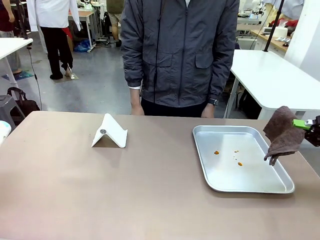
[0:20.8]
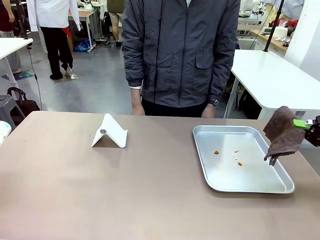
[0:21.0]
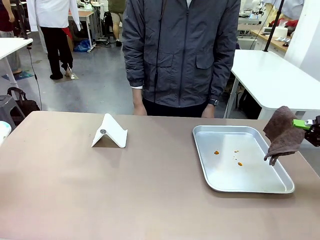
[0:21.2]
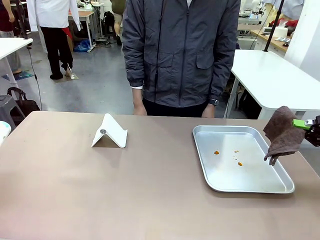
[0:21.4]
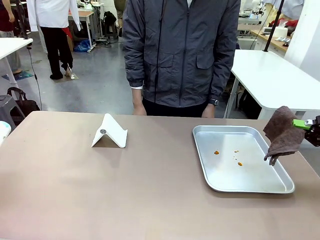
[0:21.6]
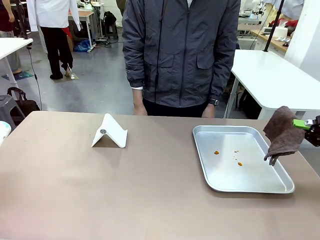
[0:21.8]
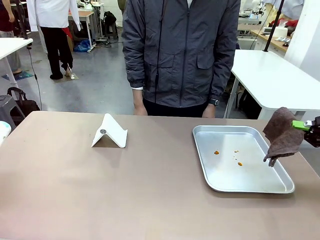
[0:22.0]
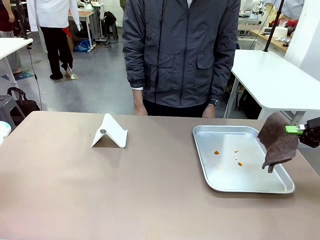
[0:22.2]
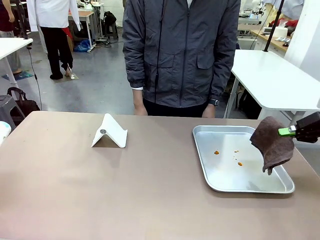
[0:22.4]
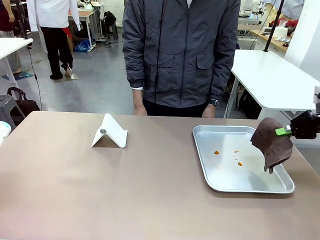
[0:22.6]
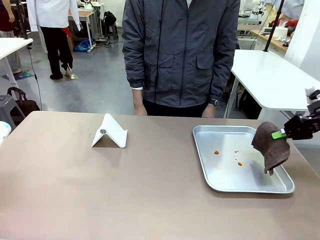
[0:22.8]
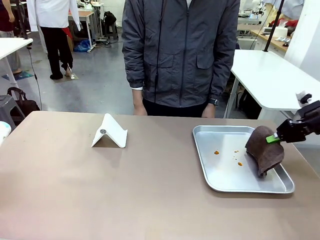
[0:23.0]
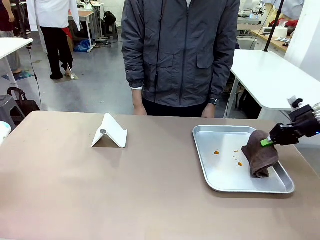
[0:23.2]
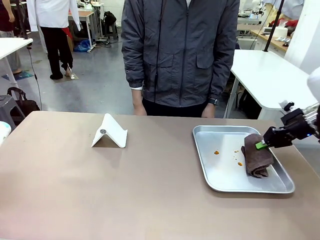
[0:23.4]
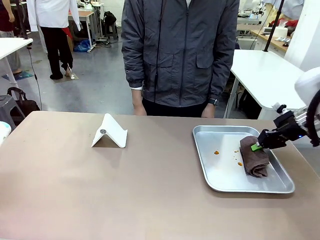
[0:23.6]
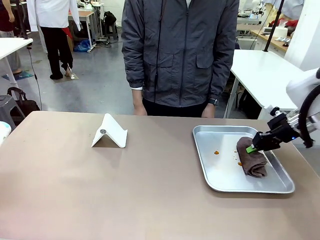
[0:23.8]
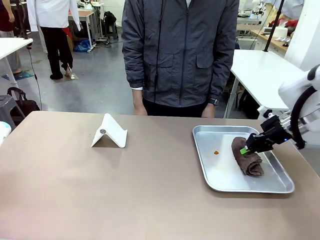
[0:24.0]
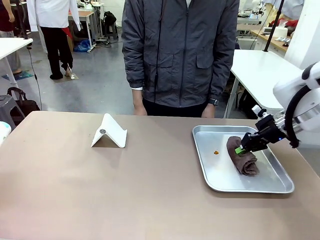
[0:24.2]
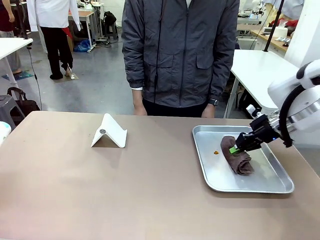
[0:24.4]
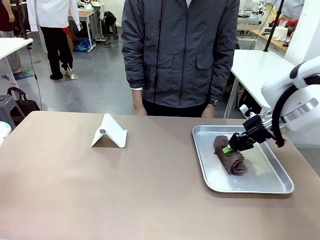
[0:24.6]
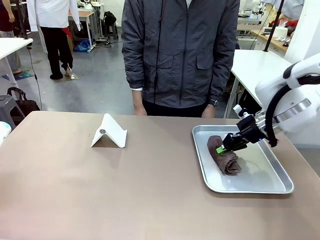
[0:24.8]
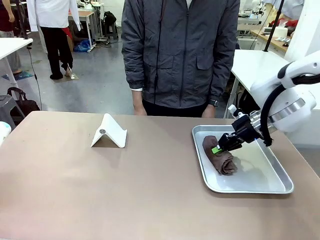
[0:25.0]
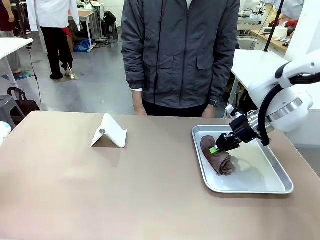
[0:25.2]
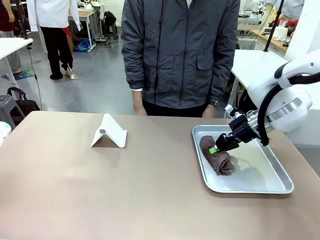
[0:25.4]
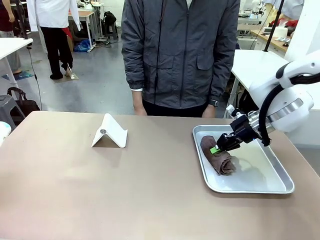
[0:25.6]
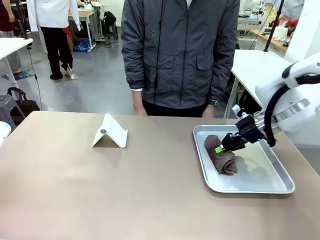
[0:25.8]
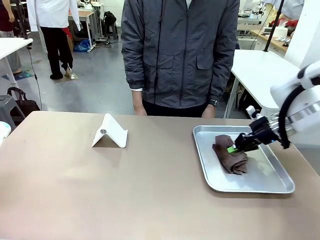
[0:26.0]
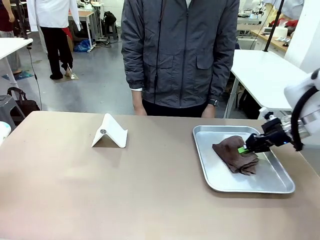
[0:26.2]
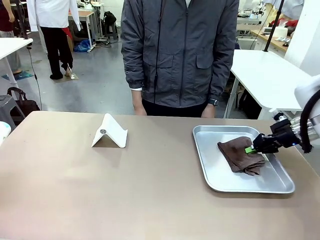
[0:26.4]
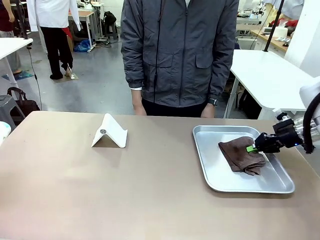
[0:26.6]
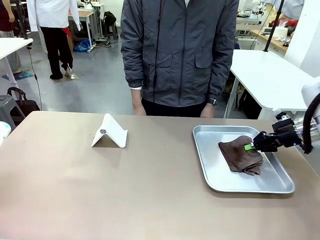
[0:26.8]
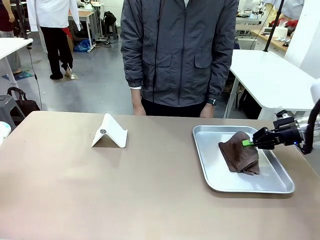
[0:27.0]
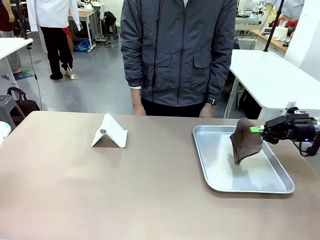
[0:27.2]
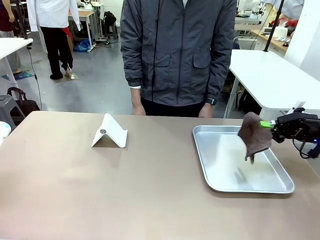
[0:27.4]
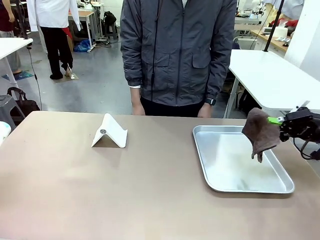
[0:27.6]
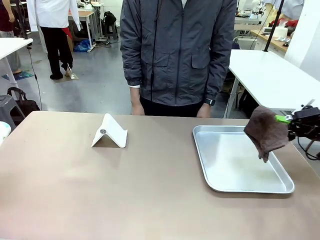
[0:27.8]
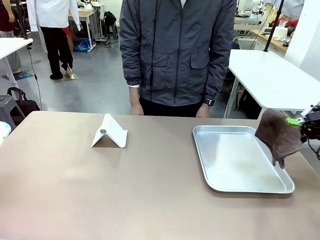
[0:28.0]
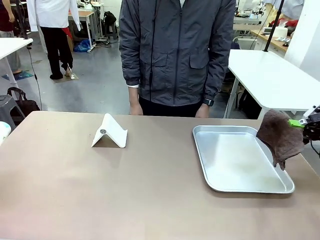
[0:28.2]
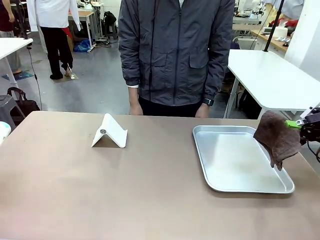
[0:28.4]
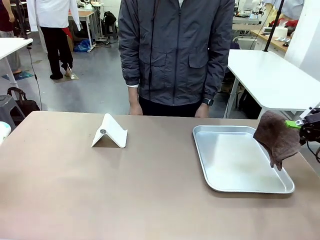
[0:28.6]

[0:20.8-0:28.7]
Task: Clean the surface of the table.
Robot: Clean the area not pointed to by the person.

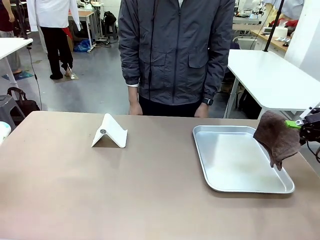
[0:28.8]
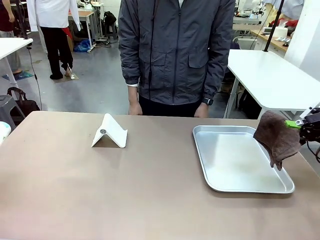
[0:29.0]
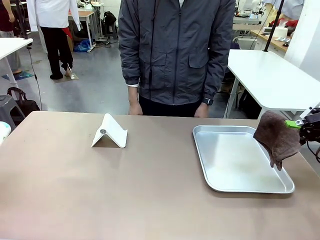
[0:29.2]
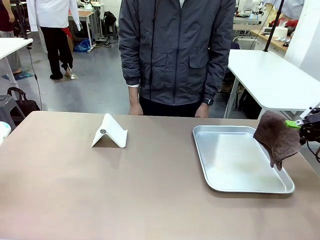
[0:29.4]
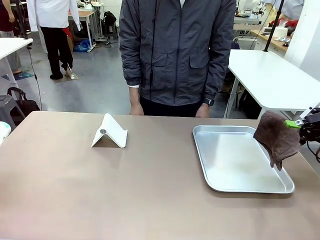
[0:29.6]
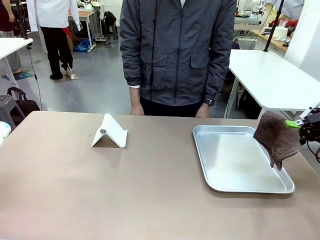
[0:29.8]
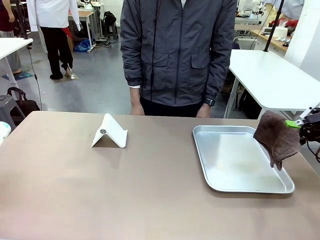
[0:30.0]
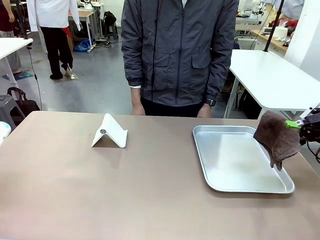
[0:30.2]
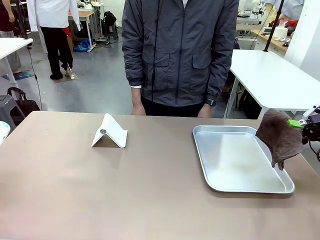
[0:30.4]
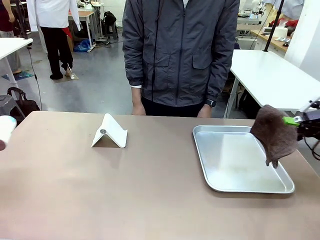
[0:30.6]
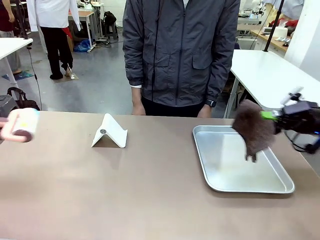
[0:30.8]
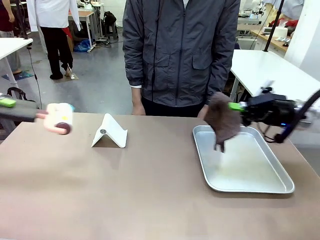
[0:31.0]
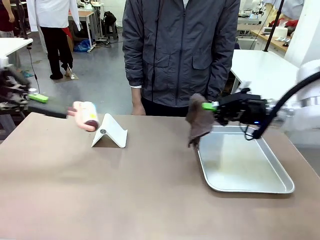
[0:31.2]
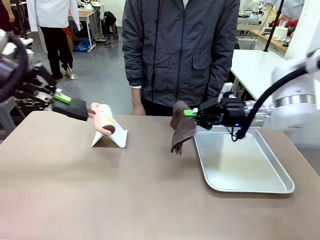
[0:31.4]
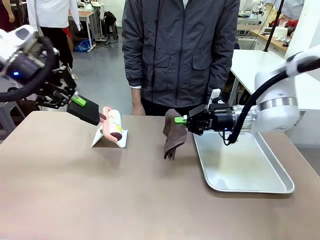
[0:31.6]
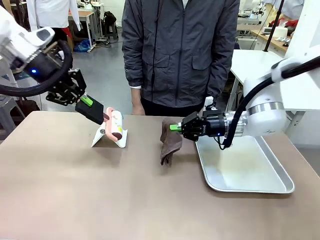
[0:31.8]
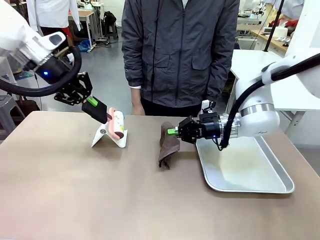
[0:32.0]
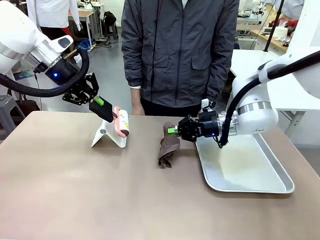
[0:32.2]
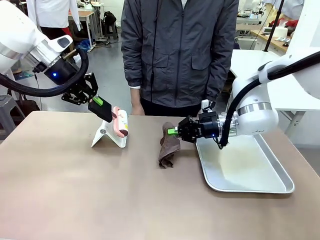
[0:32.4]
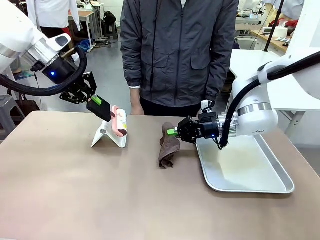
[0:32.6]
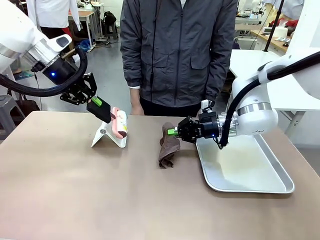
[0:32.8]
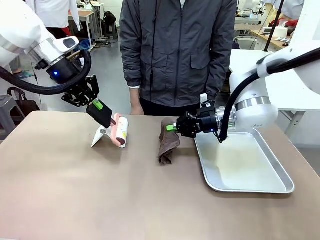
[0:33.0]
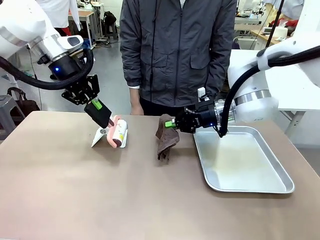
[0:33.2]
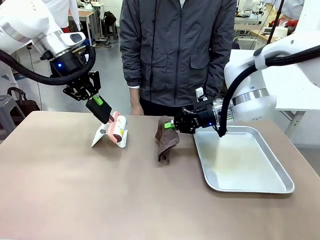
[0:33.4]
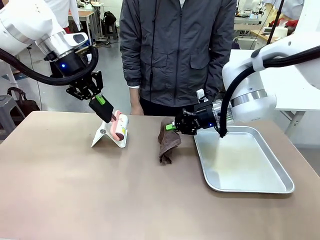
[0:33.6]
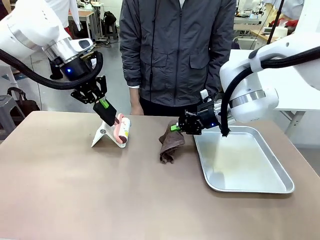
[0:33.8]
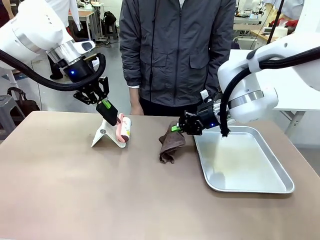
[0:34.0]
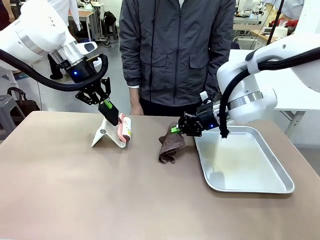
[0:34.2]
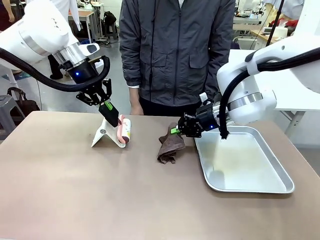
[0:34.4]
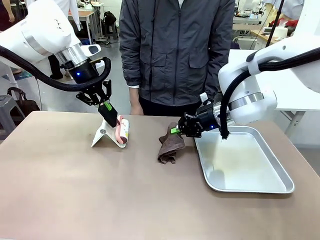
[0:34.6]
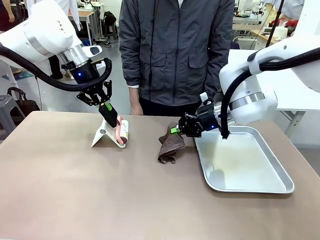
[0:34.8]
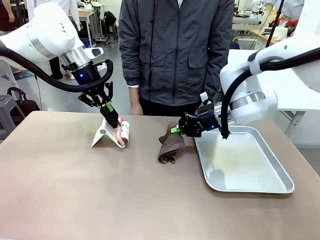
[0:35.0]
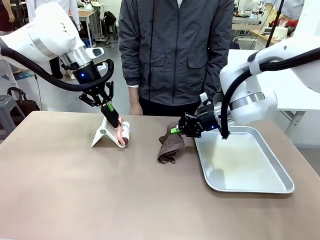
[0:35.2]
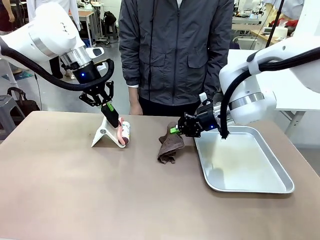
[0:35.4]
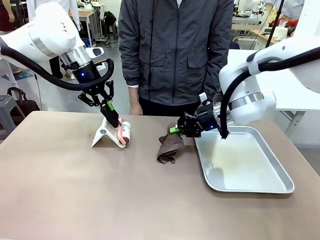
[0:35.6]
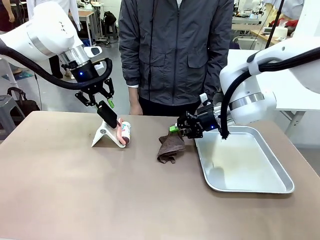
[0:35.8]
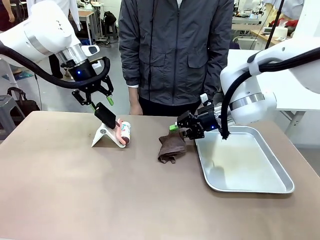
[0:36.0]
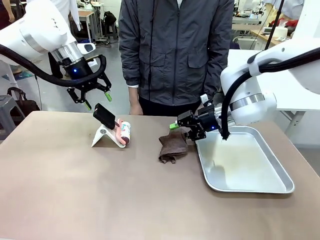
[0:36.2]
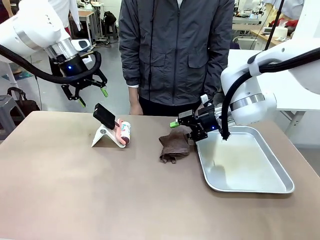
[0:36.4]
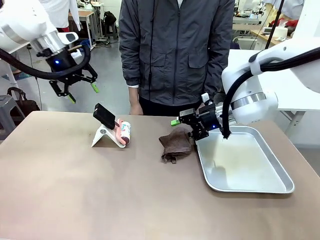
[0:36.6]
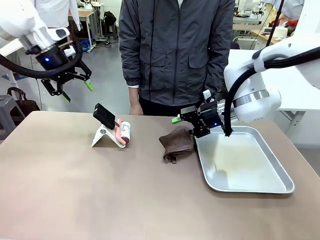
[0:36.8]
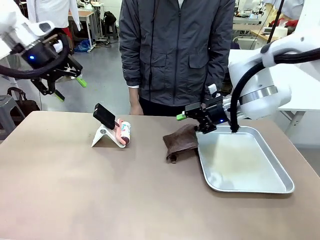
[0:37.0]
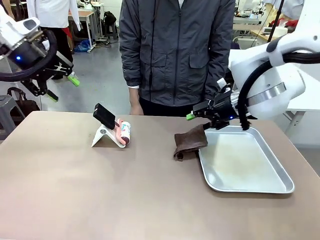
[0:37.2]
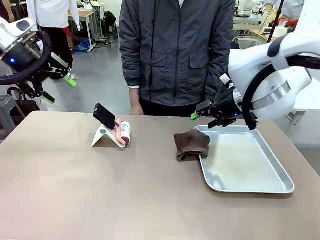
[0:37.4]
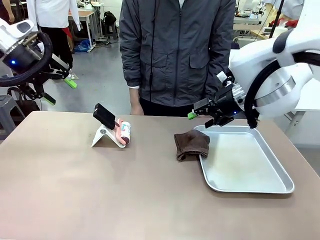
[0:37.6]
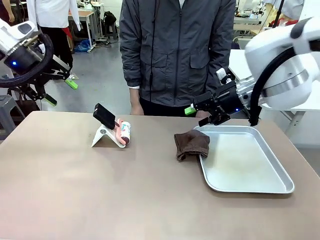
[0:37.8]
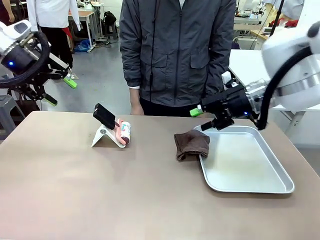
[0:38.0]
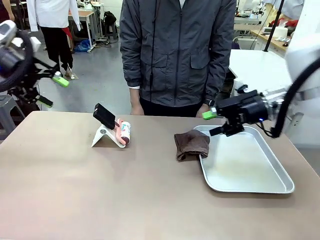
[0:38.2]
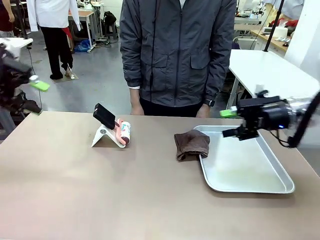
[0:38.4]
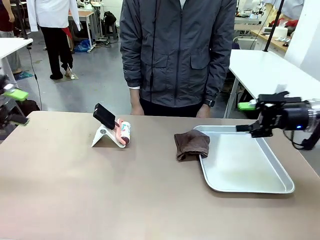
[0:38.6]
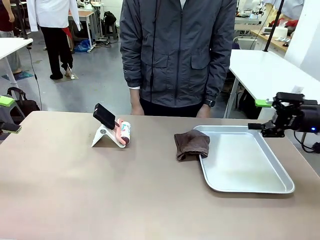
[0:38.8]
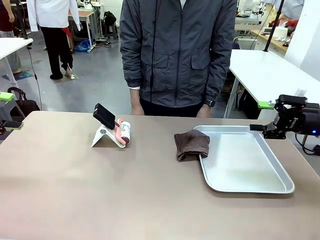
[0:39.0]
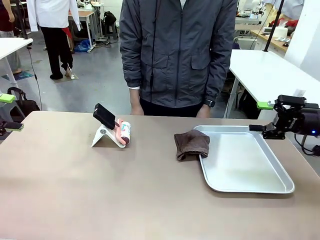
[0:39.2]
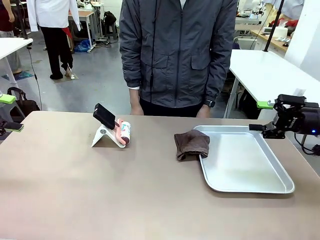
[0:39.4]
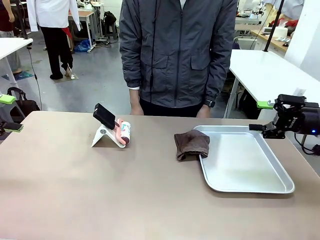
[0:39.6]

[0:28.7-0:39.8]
Robot: Return the Lint Roller and towel to their original positions.
